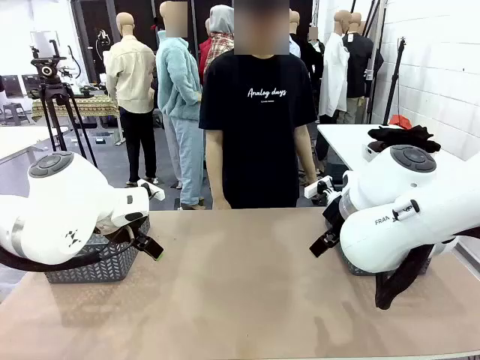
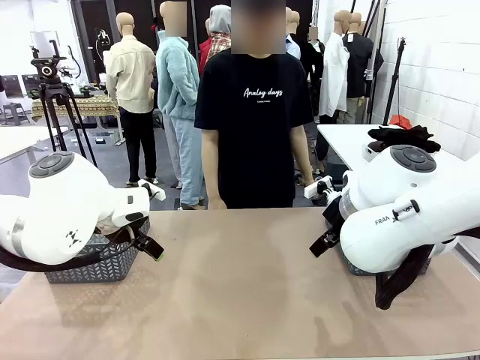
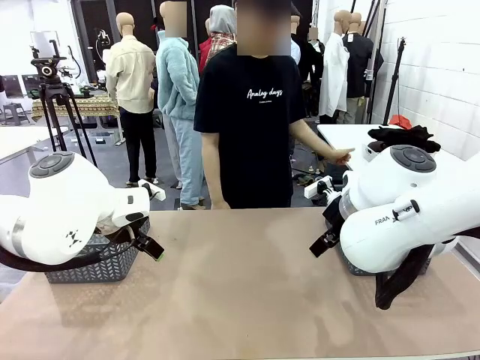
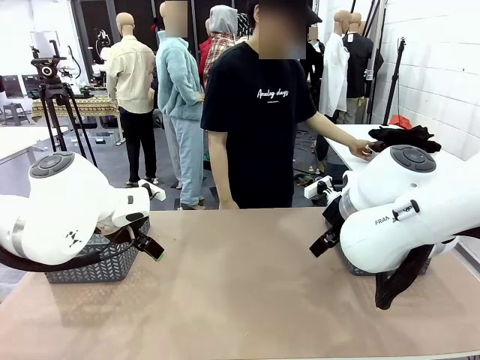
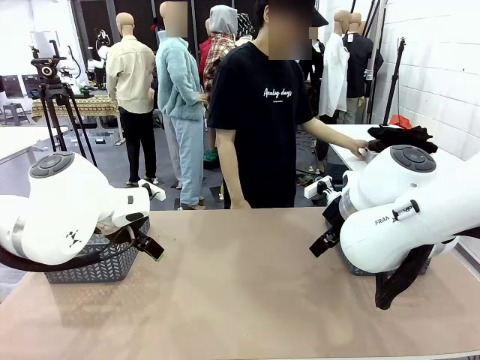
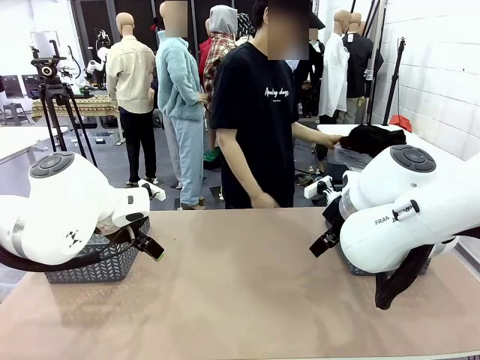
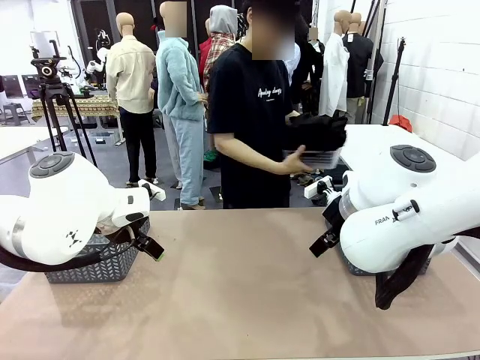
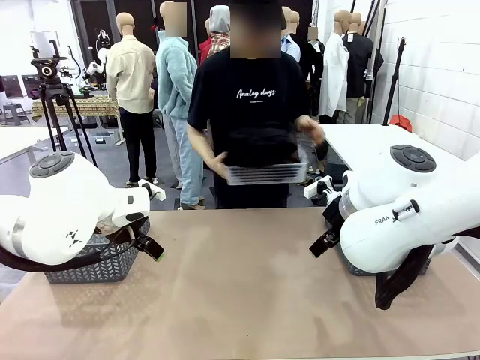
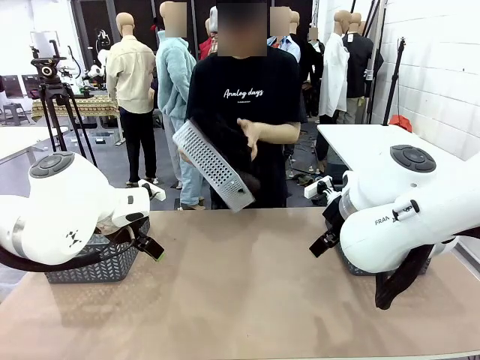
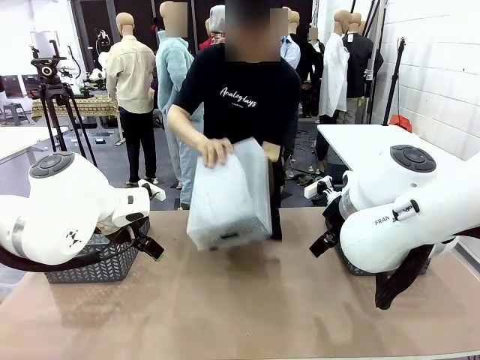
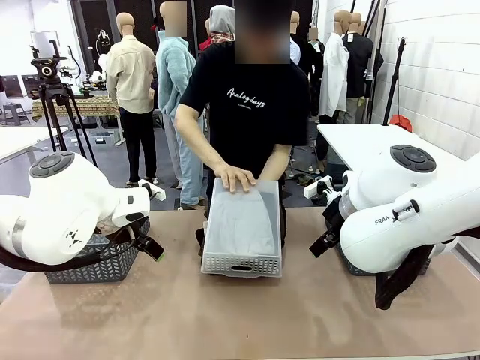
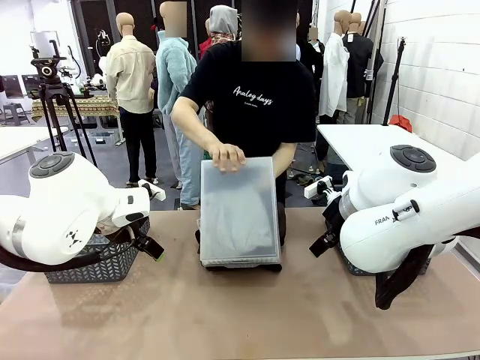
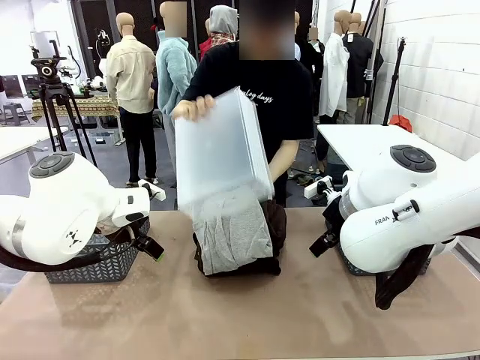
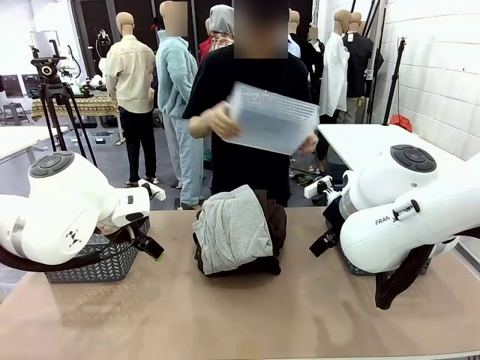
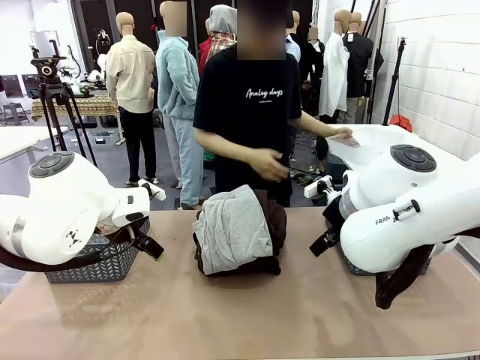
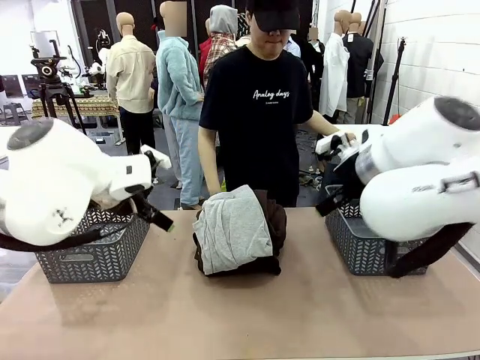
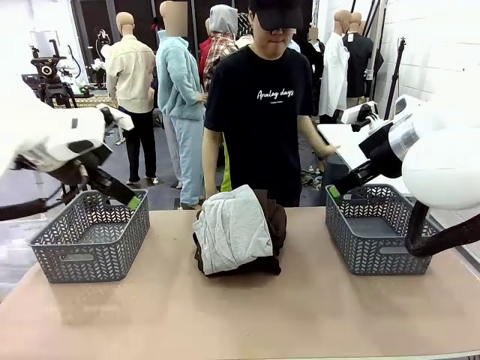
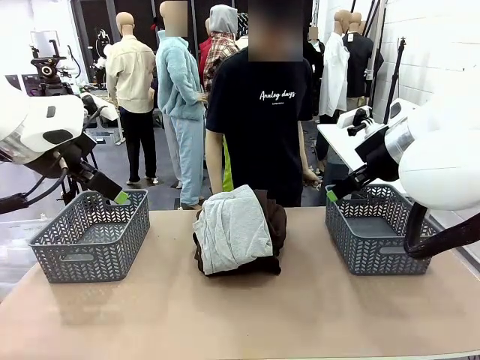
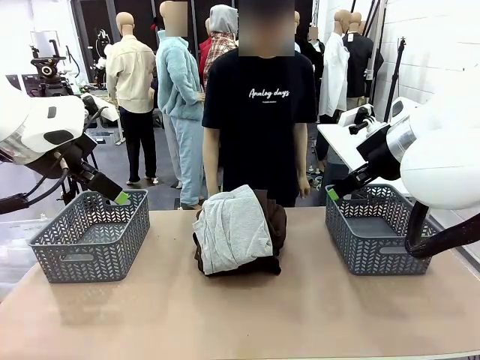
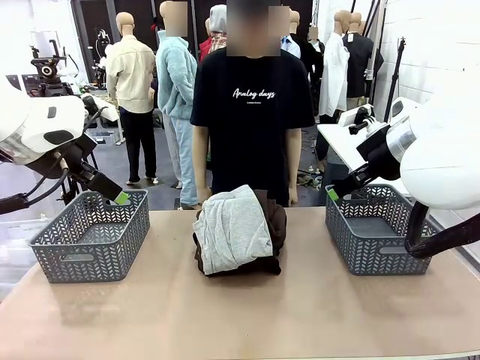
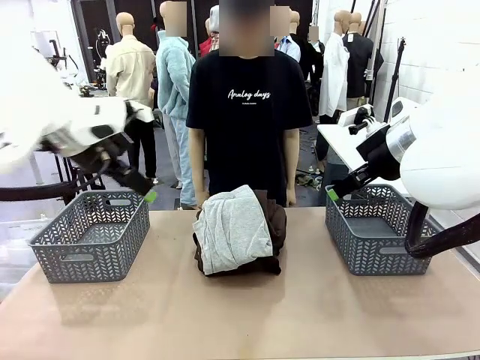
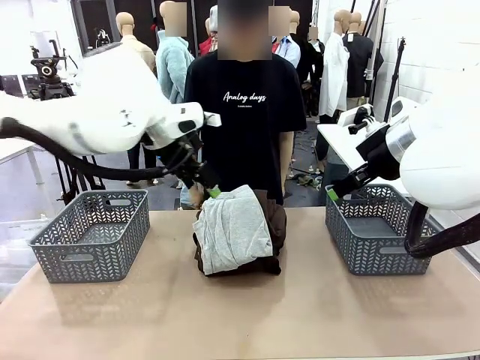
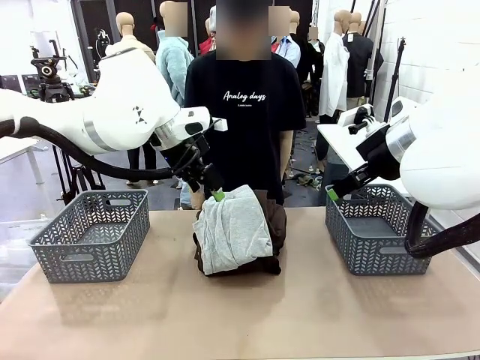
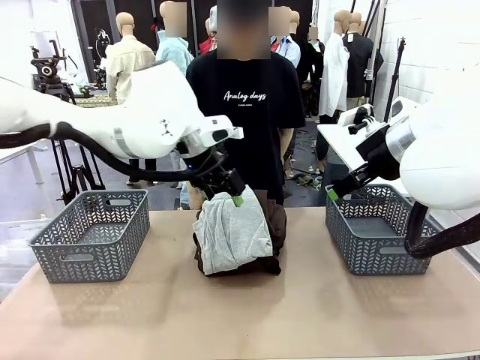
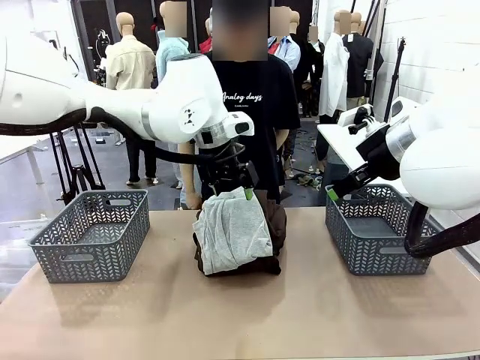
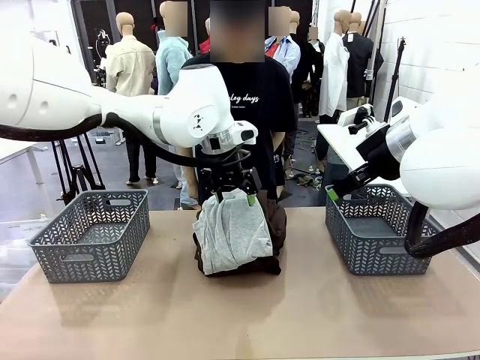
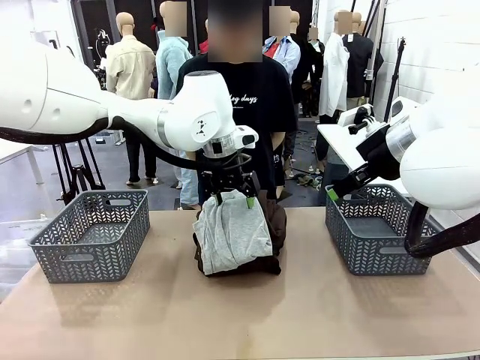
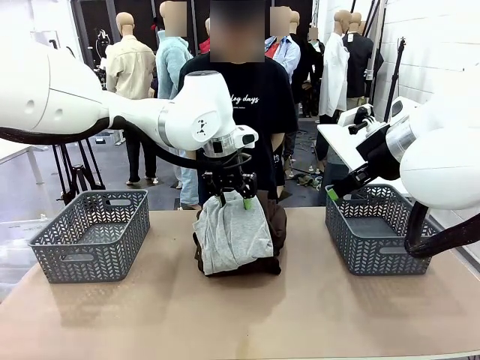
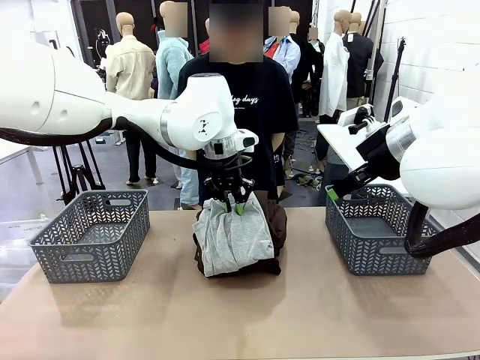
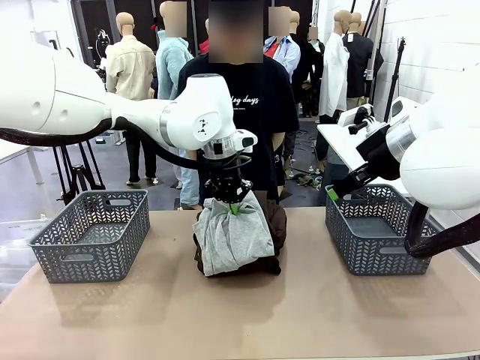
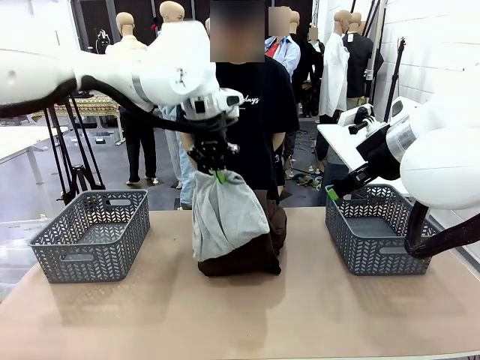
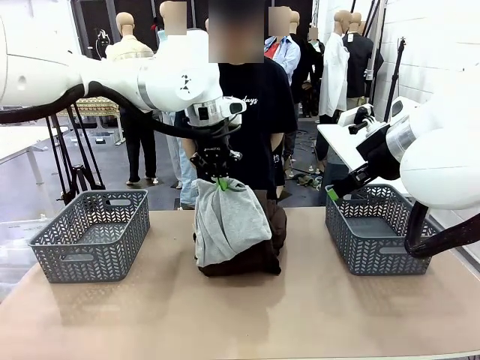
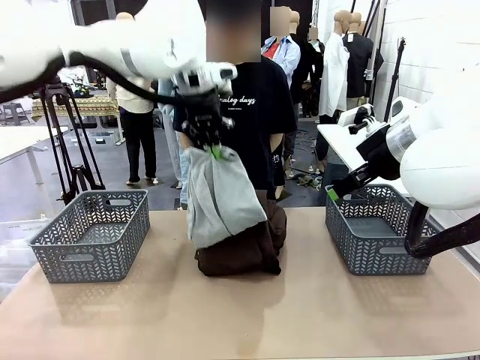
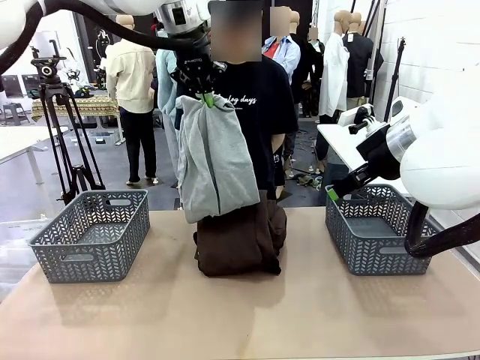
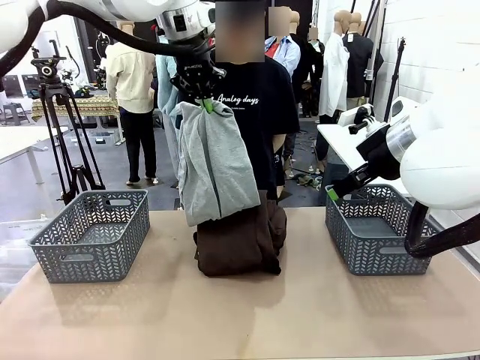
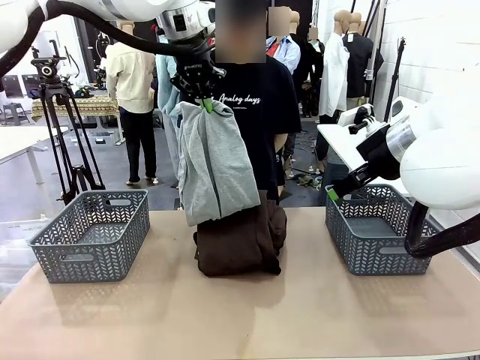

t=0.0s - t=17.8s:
Task: Sort the tops and bottoms.
Robot: Lift clothes from the center of the table with your left hand.
Person: Pour the clothes from the basket onto the center of the robot table.

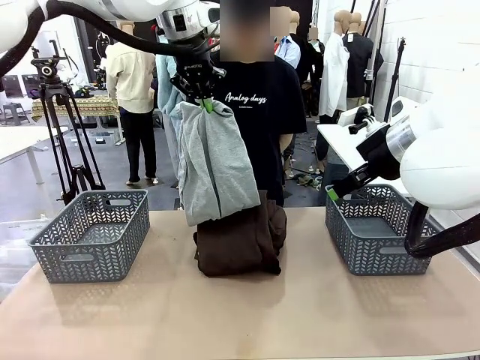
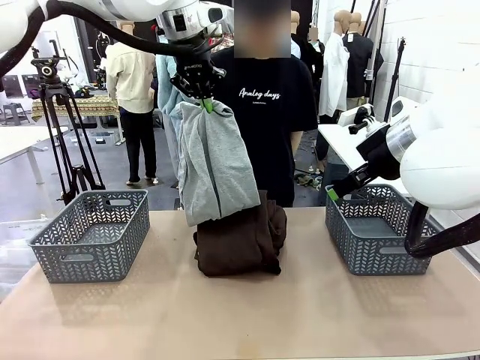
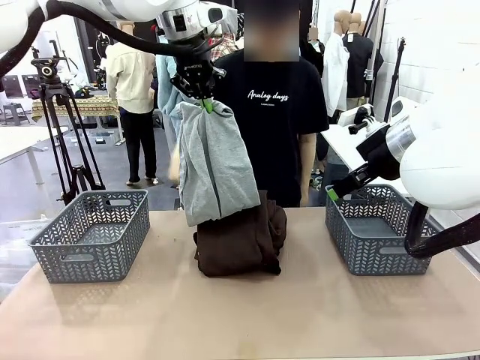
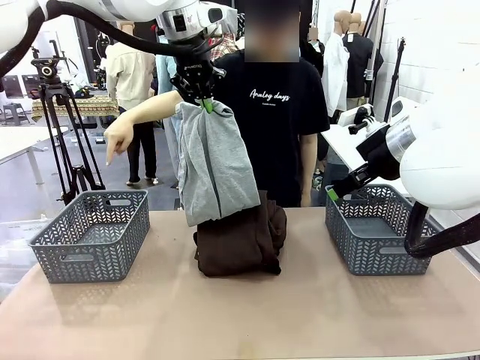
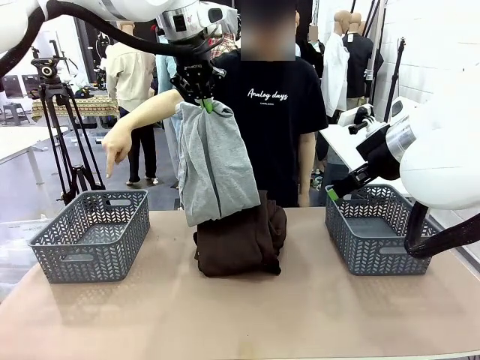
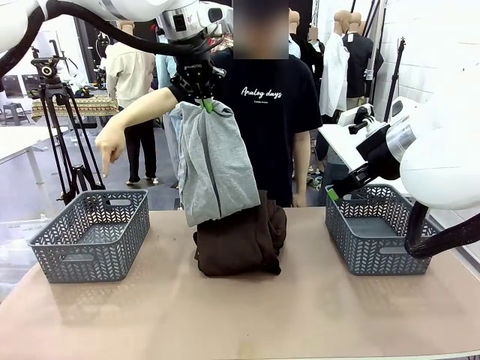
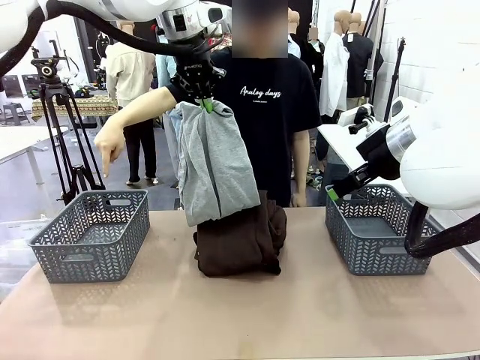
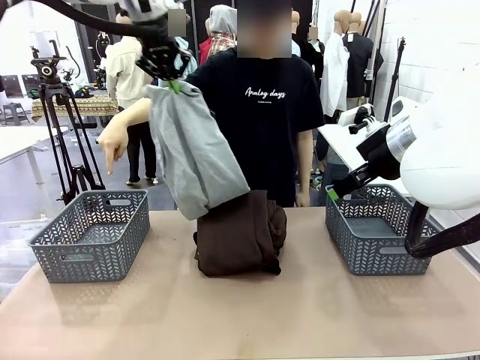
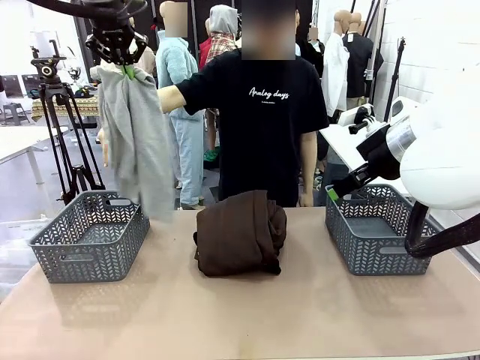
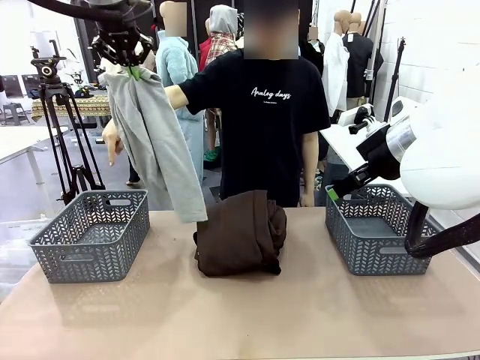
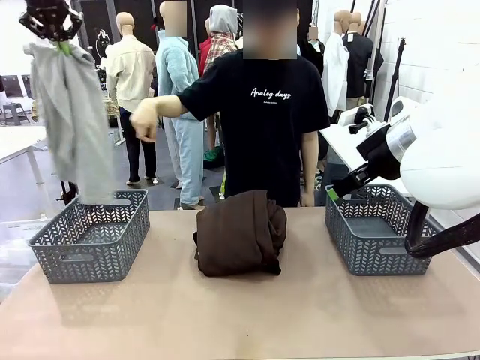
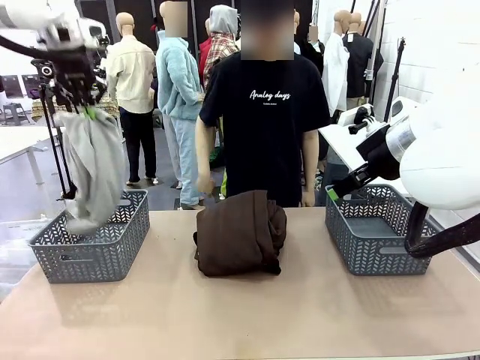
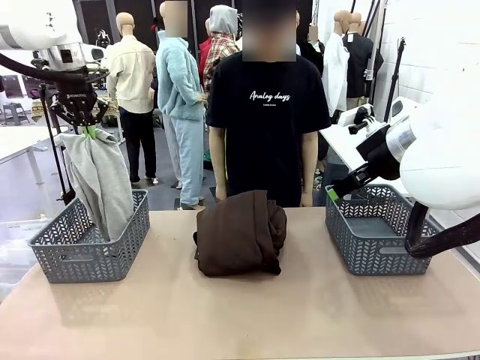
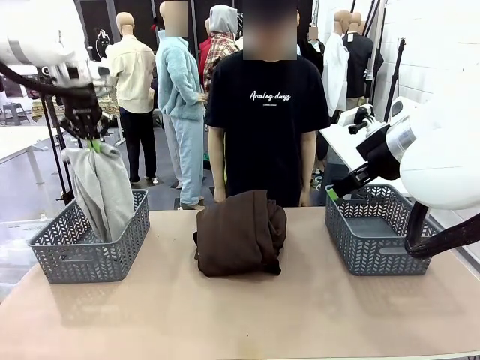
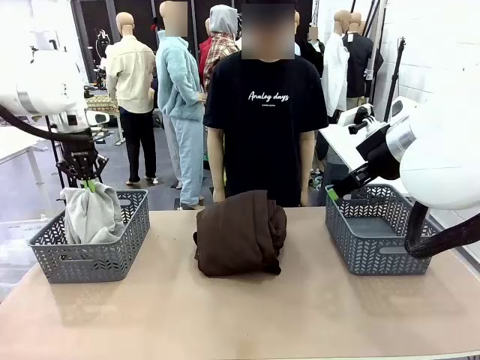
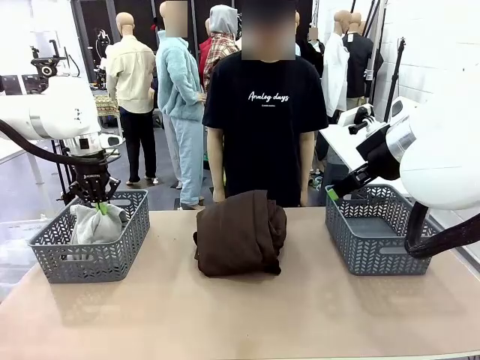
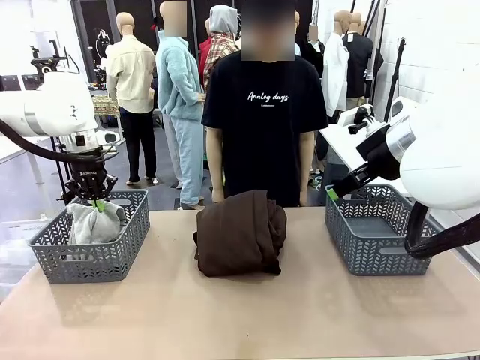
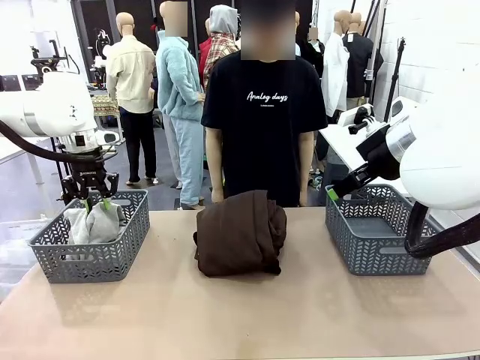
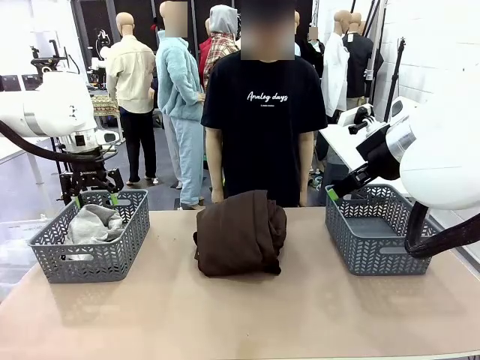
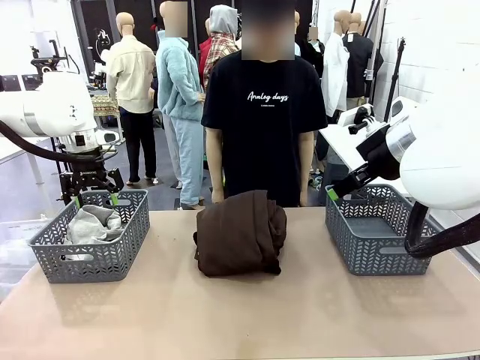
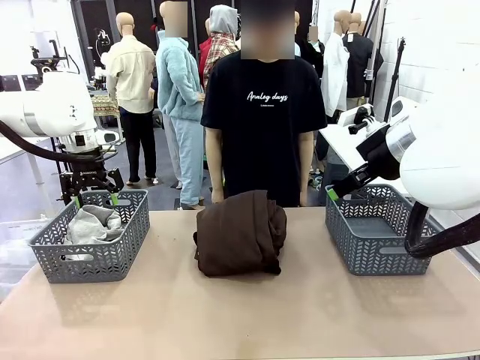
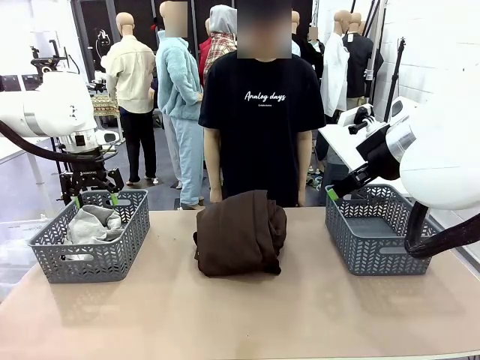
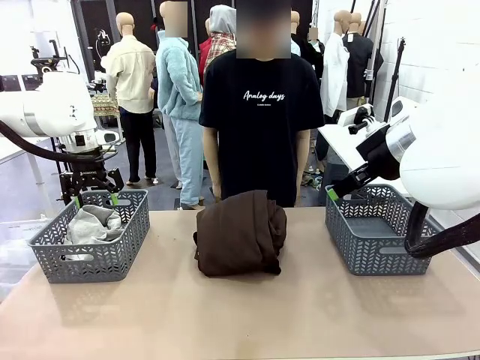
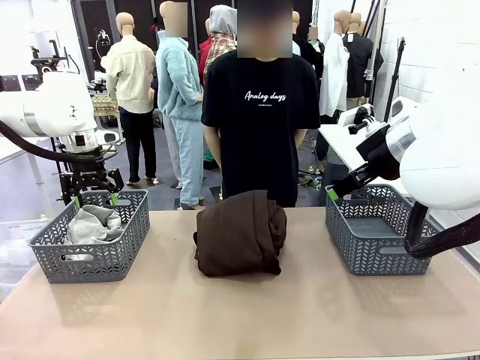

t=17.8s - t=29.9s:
Robot: Sort the clothes according to human instructions.
